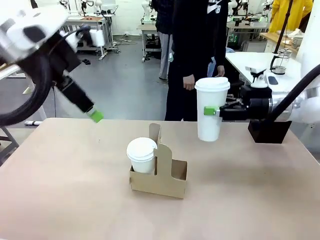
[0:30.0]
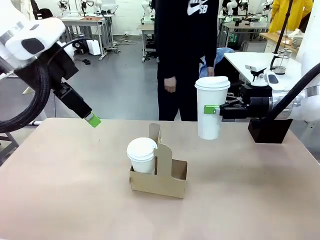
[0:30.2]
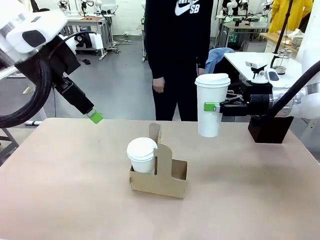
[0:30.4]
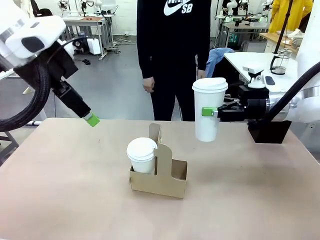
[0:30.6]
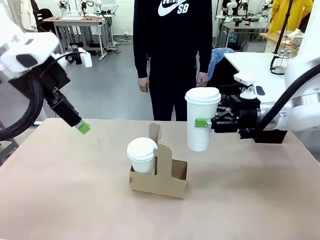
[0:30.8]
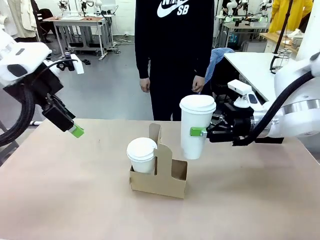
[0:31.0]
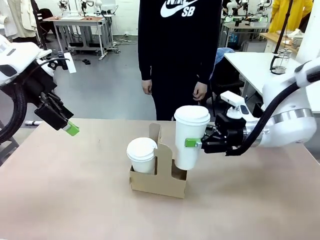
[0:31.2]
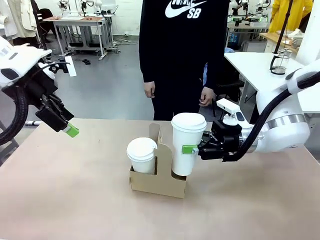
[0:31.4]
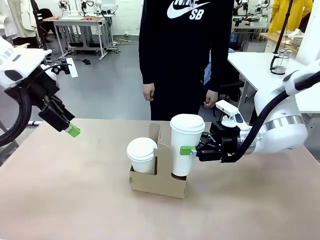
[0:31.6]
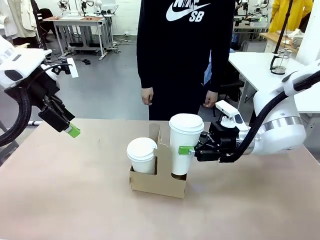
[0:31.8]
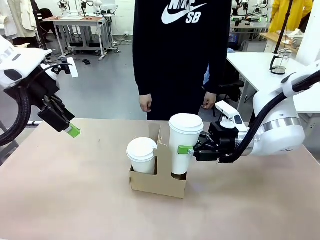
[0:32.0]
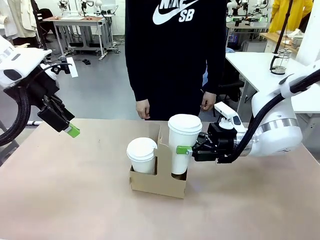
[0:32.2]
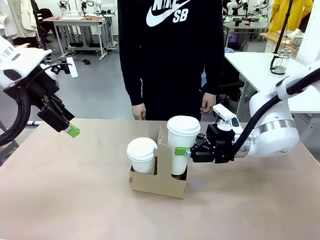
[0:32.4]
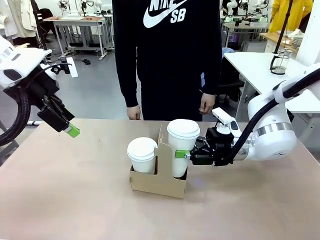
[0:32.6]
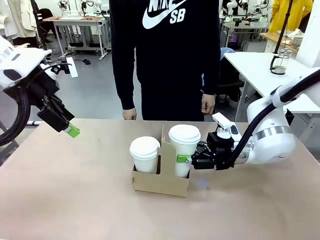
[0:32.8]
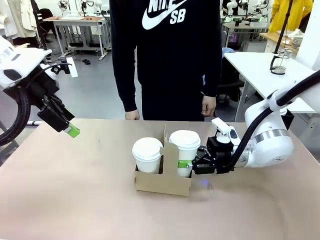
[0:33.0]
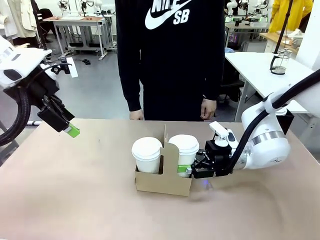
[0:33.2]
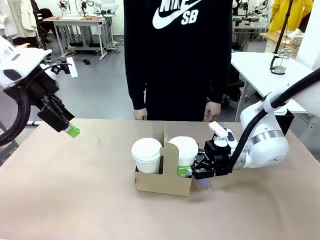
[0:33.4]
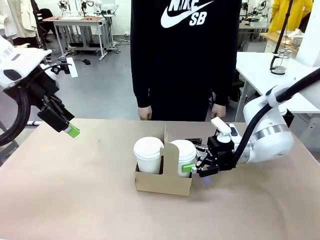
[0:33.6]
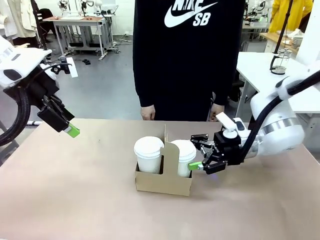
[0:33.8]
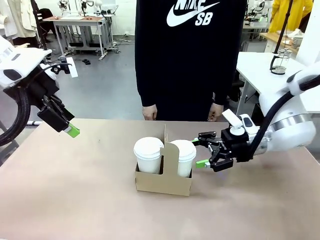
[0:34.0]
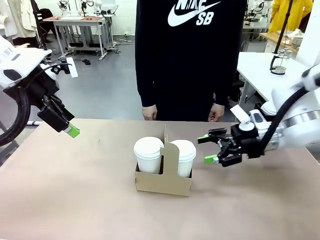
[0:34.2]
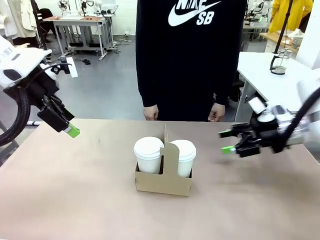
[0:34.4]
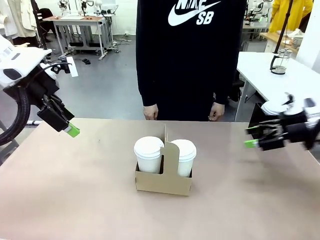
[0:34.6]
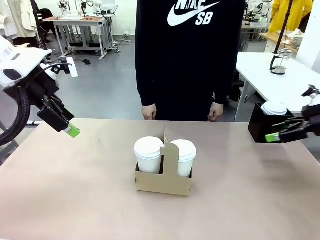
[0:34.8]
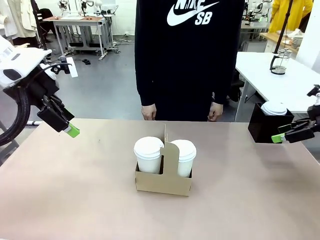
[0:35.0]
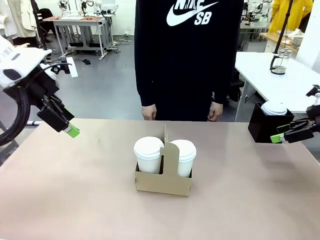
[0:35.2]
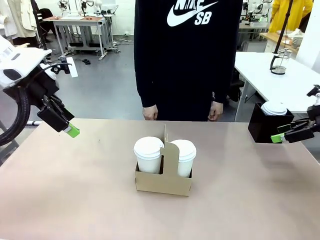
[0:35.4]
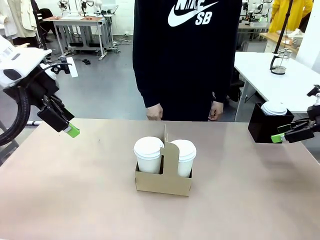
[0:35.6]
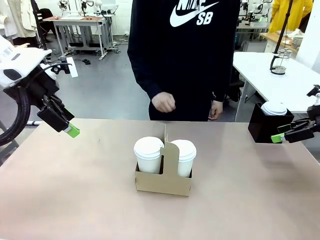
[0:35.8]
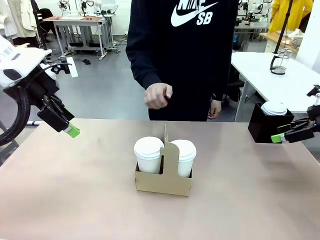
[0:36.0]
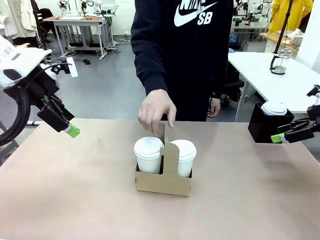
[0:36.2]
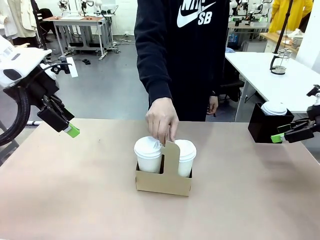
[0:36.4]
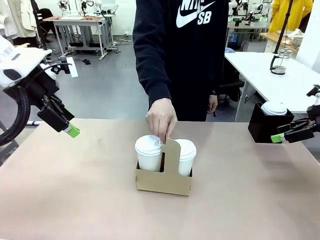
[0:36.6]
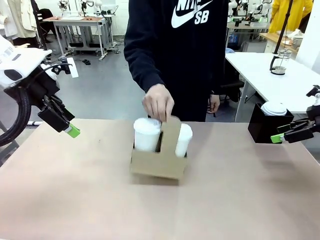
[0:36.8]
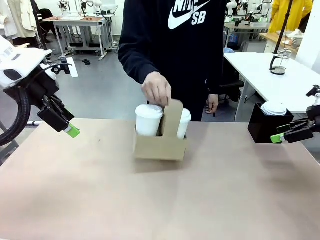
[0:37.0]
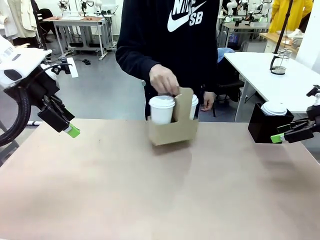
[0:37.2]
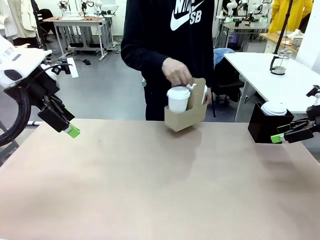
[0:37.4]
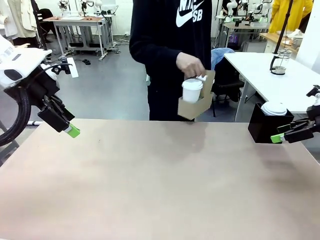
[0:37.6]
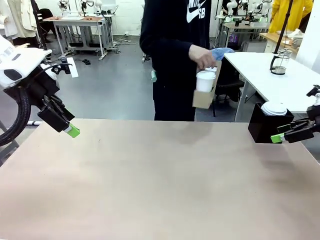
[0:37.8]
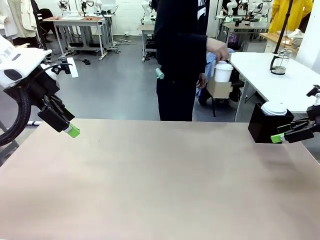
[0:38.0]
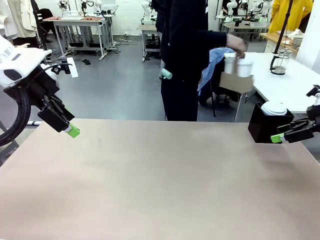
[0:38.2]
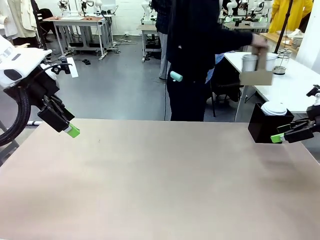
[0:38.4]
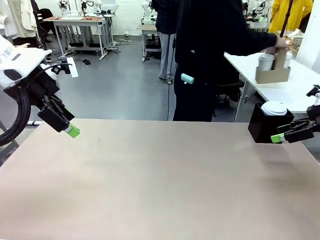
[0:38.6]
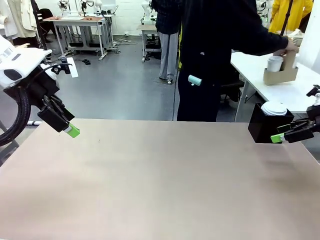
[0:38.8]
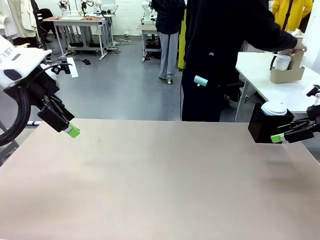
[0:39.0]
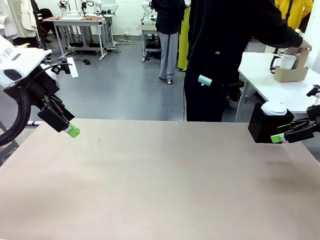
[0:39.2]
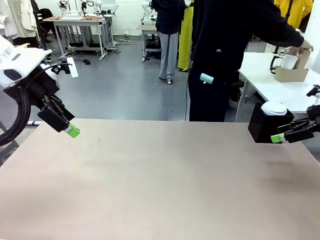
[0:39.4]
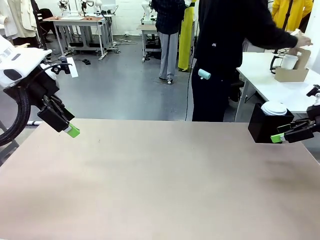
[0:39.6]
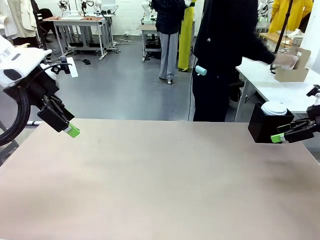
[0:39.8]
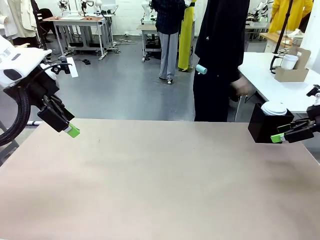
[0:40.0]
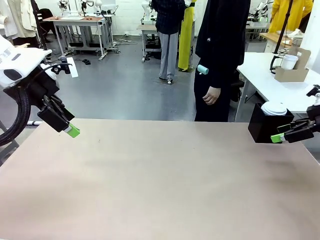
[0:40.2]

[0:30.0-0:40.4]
Task: Pour a drink into a cup and package it in a carrier.
Robot: Insert the held 600 ml Paper Cup into the Cup Carrier.
Person: Place the Cup Carrier to the middle of Human table.

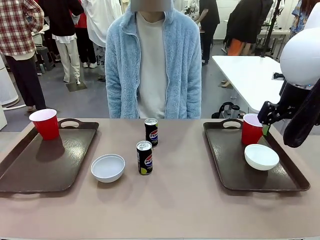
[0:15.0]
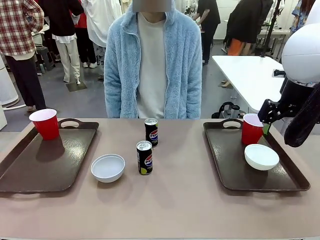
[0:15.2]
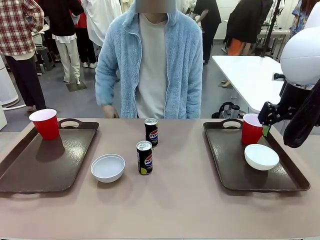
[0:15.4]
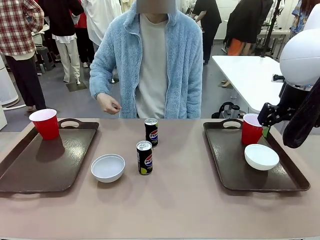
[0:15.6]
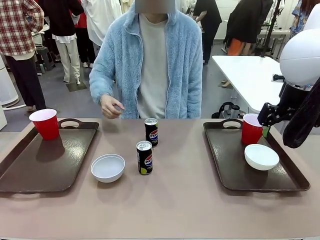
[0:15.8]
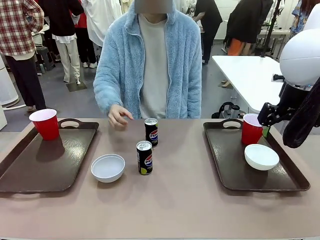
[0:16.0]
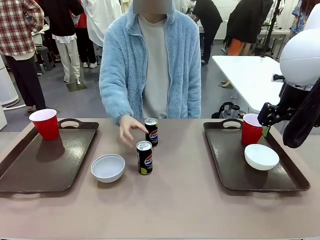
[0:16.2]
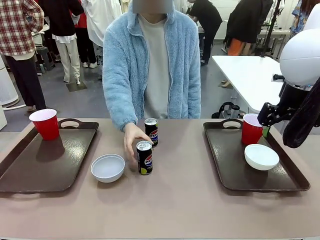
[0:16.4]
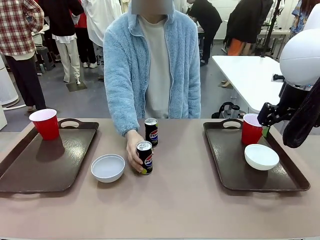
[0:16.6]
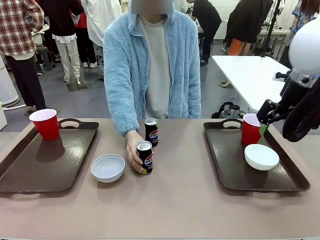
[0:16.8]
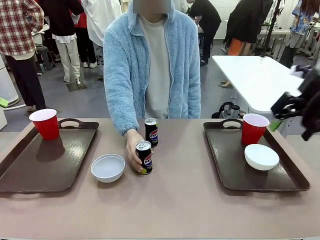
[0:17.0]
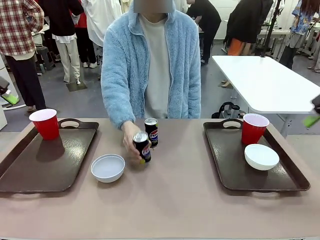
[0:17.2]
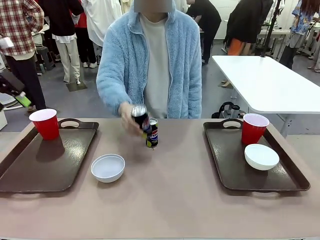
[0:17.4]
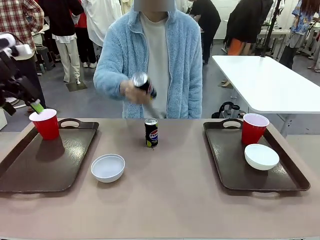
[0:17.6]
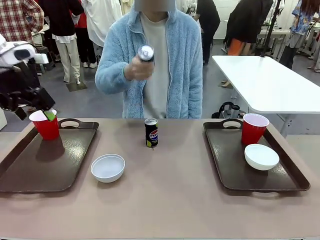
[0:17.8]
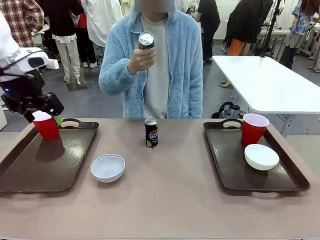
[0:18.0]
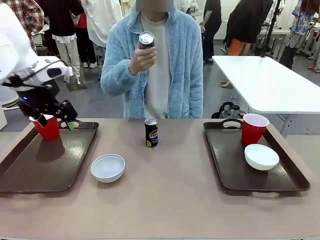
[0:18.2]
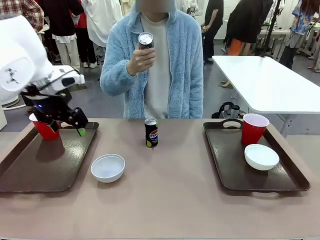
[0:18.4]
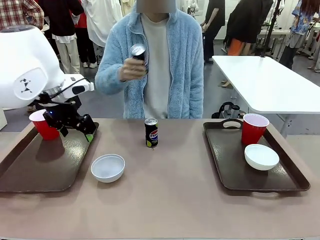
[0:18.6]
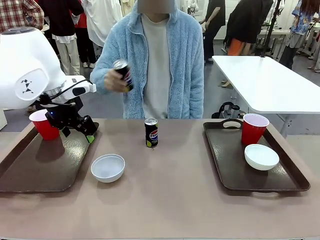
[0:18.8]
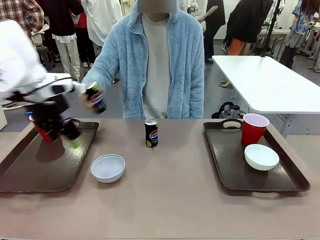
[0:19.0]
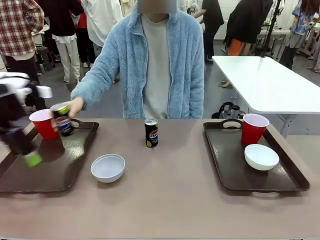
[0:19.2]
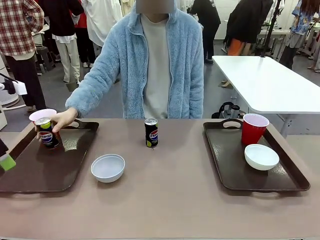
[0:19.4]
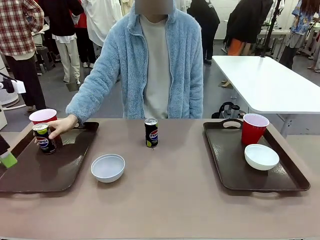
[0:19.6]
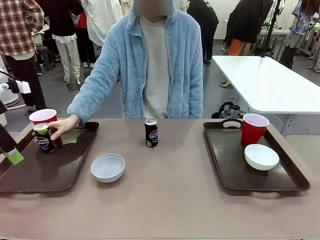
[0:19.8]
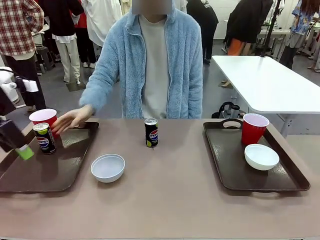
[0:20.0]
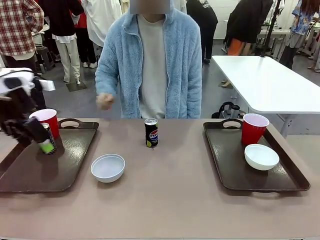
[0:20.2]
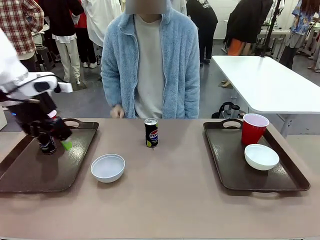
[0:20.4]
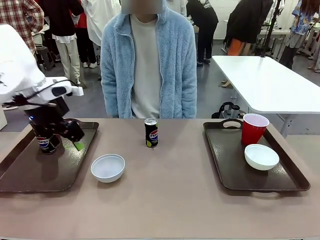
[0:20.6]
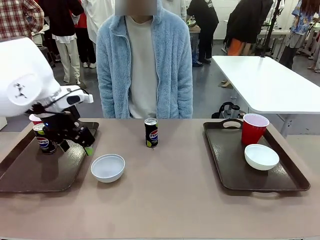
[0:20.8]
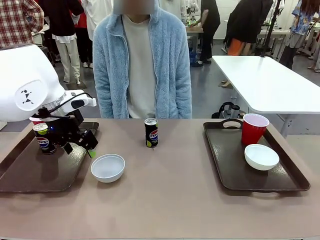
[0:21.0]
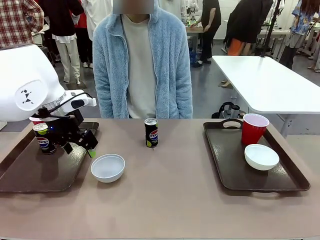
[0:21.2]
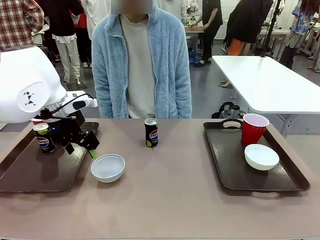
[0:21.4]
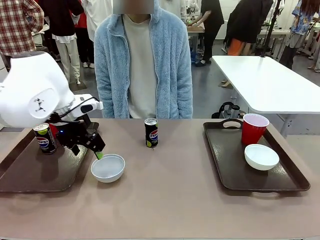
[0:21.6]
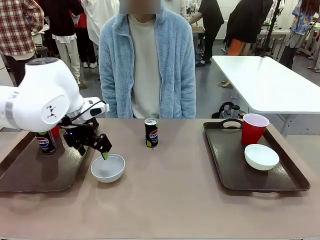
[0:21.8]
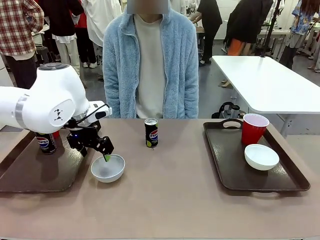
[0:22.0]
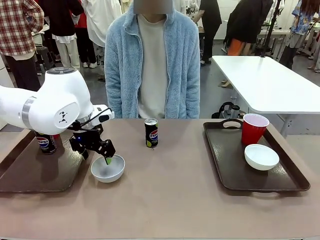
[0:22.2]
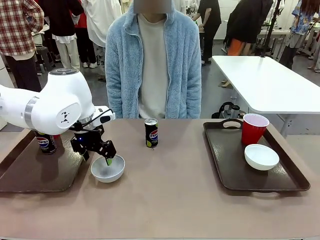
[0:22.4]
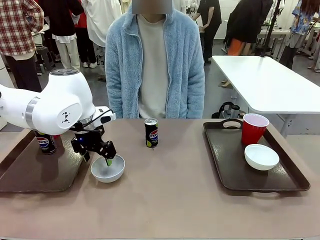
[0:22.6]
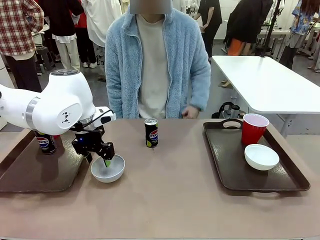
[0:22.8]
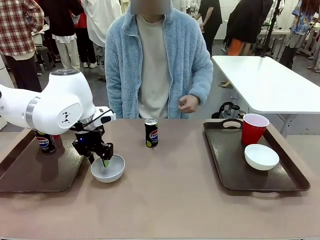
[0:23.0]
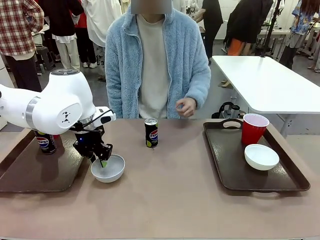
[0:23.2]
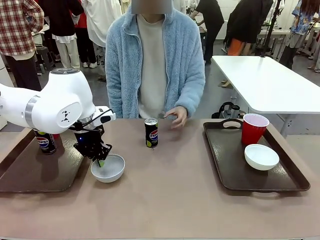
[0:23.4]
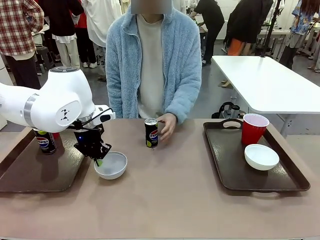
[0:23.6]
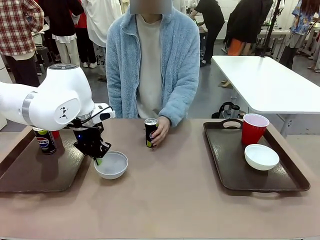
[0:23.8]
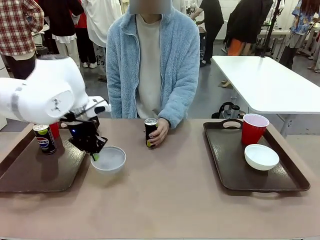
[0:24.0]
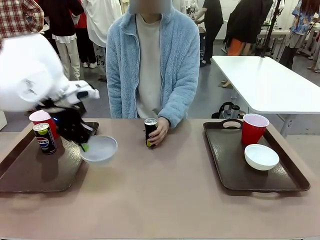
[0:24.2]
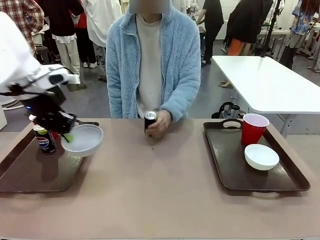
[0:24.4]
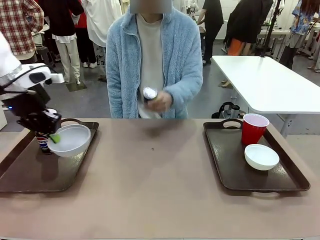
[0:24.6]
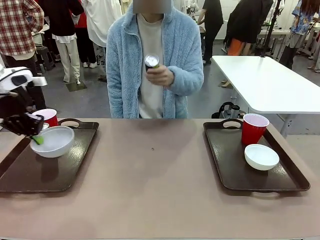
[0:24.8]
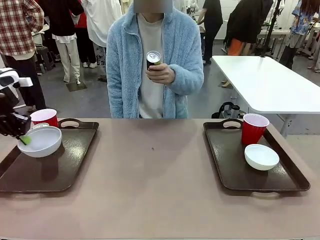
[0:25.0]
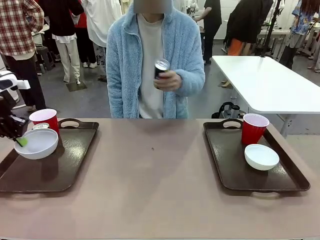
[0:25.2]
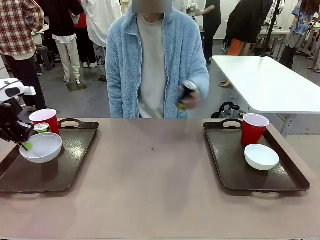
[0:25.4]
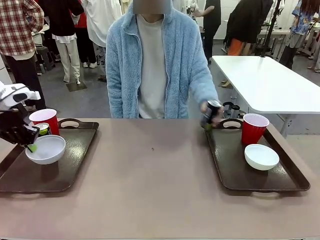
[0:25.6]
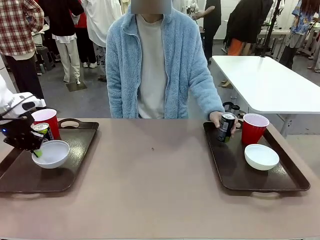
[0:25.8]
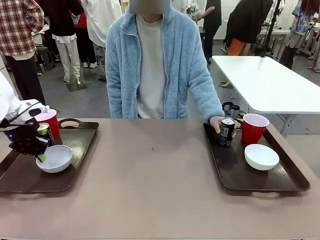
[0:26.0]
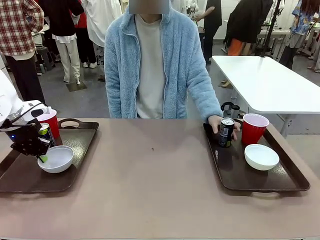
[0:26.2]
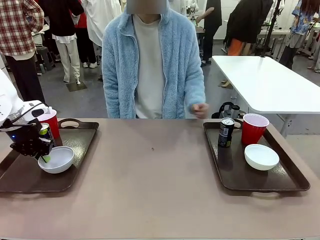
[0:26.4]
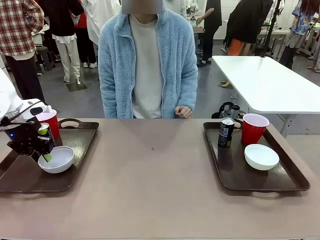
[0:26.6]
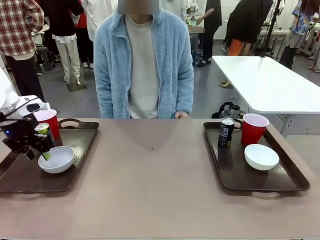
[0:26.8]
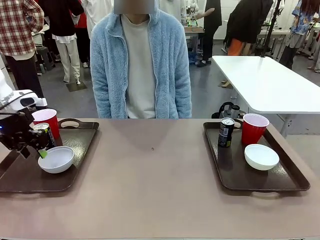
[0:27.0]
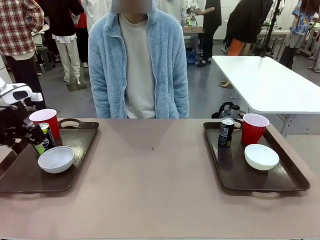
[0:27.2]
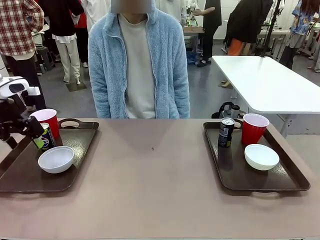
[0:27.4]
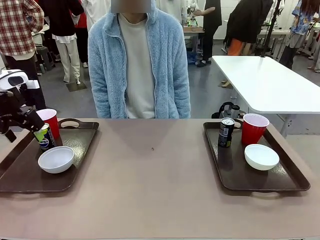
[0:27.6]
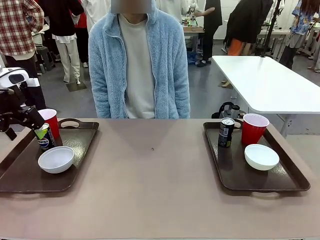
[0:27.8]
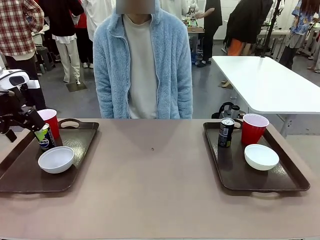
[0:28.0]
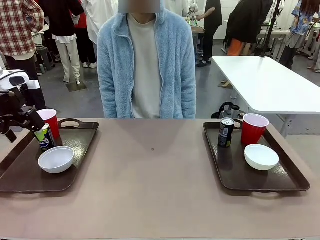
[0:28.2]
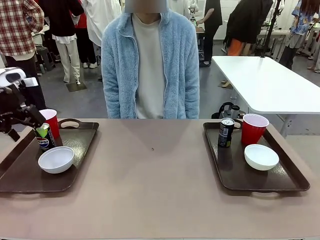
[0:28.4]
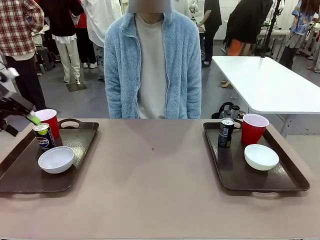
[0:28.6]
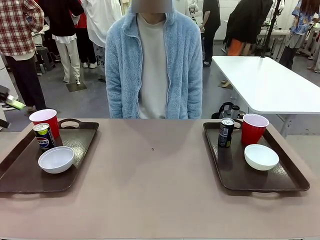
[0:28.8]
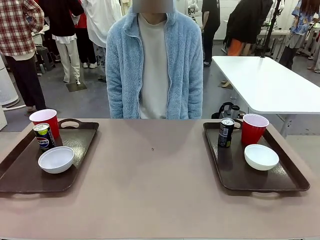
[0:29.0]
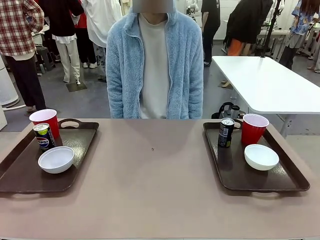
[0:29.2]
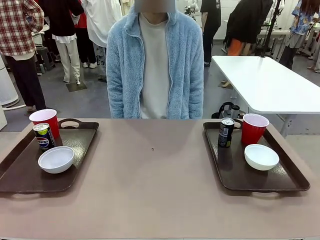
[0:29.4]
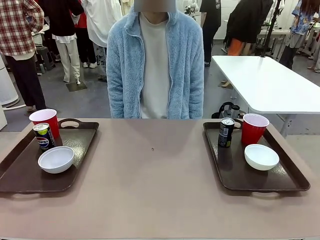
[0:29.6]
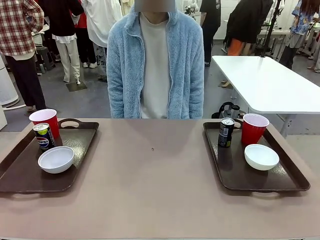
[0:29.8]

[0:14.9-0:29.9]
Task: Prepare tableware on both trays.
Robot: Pick up a Picnic Bowl from the table and place it on a Handle tray.
Person: Pick up a can or cup and place it on the tray without a can or cup.
